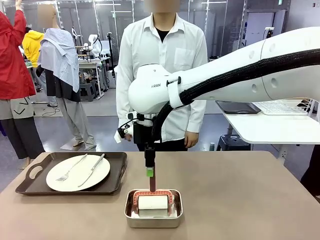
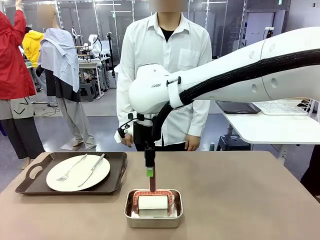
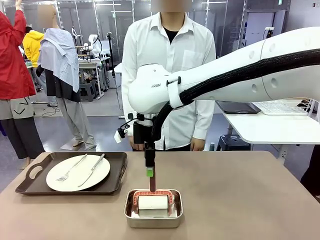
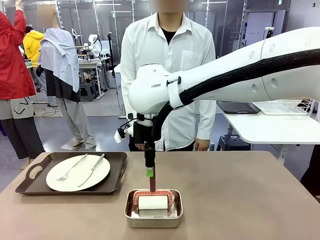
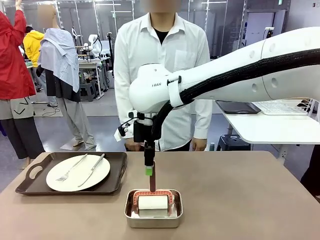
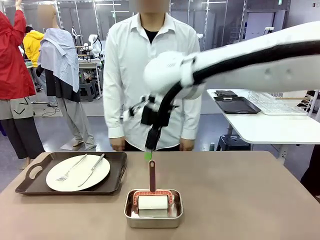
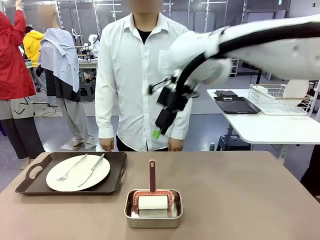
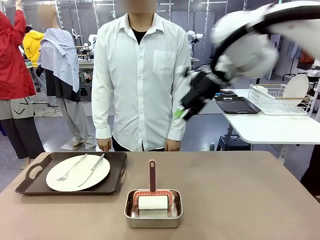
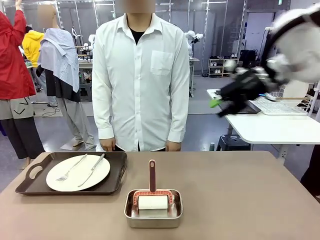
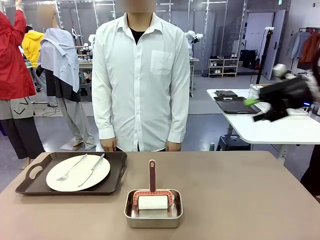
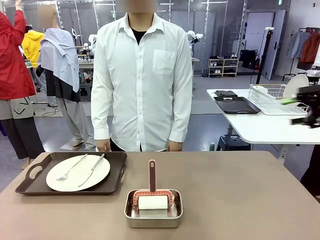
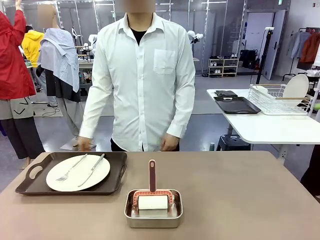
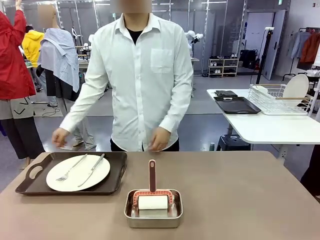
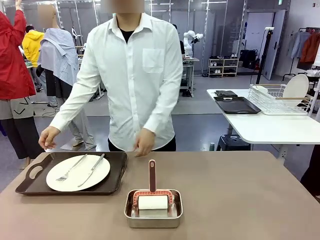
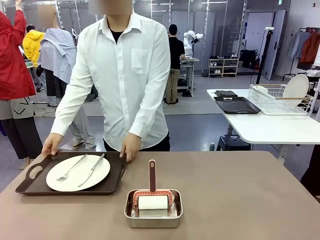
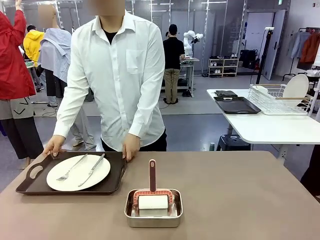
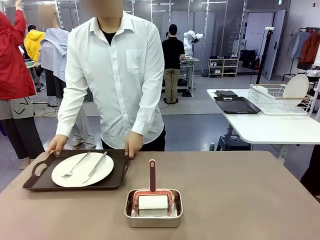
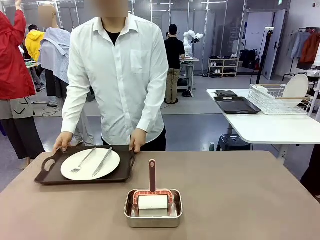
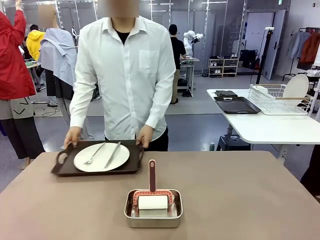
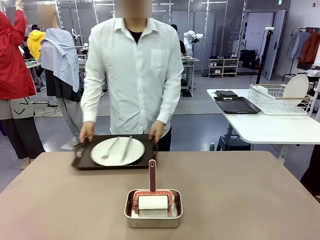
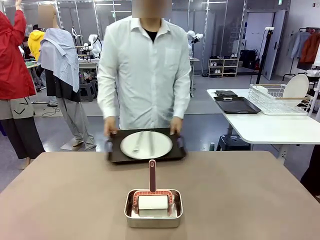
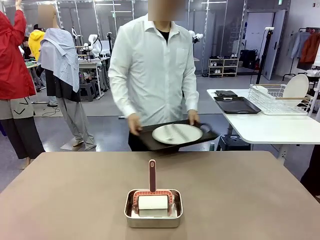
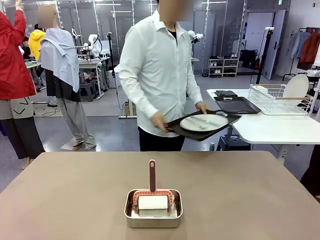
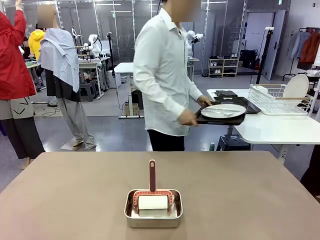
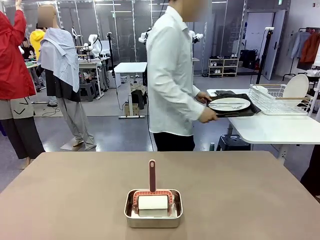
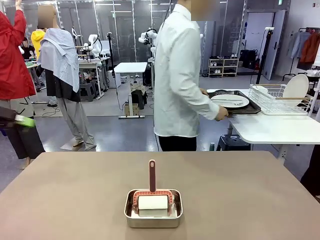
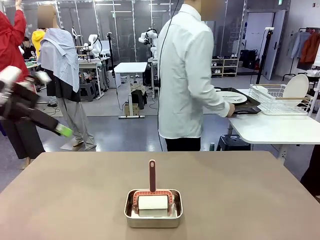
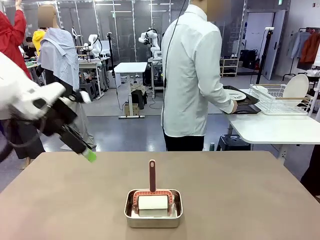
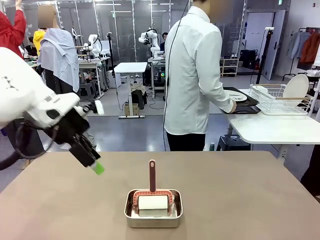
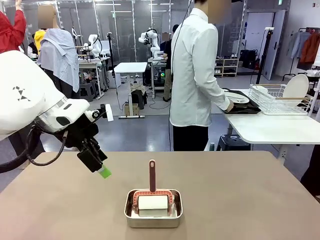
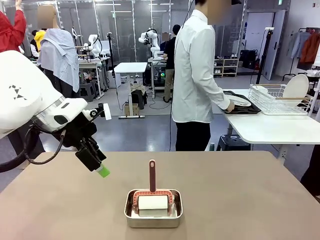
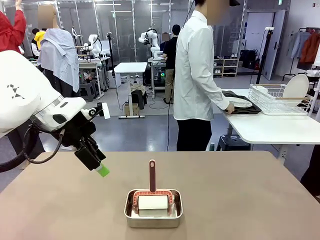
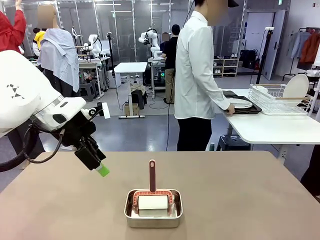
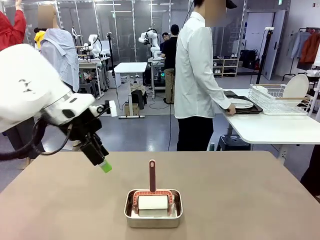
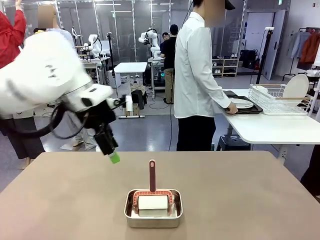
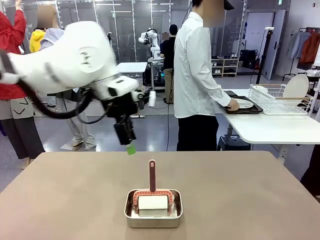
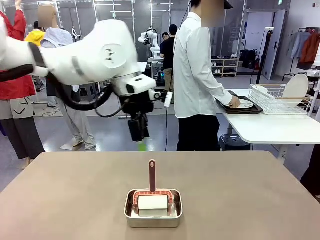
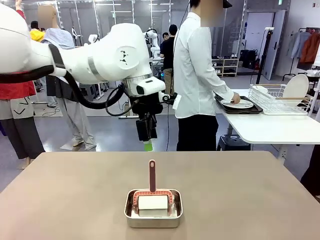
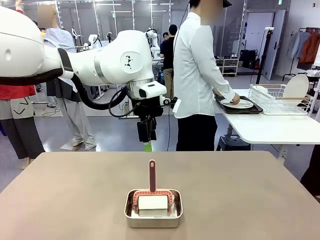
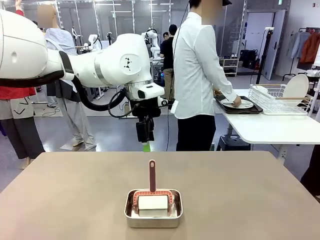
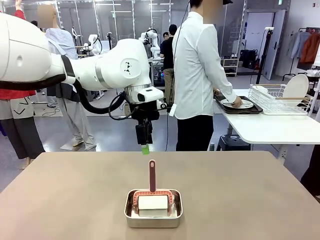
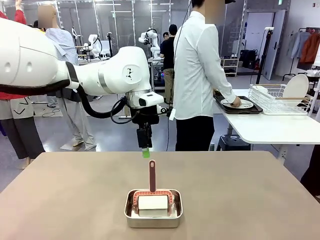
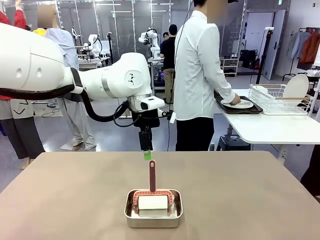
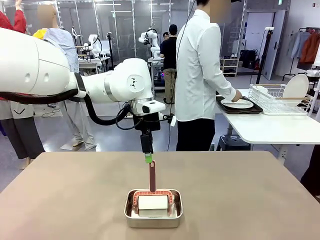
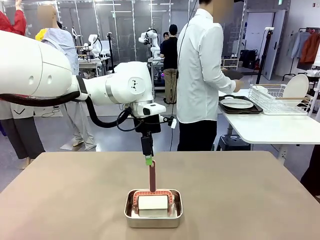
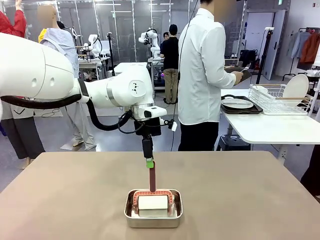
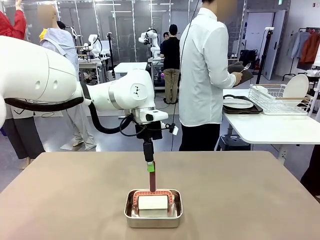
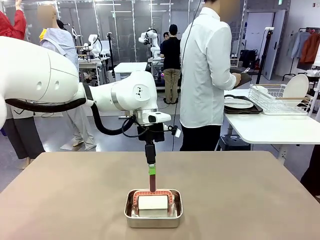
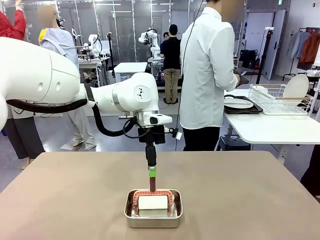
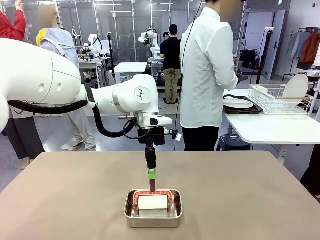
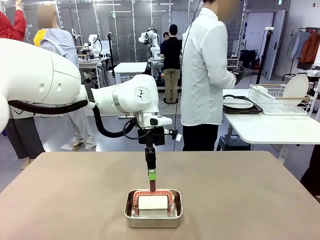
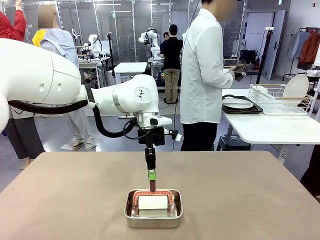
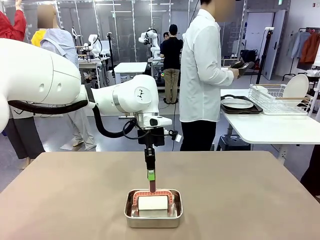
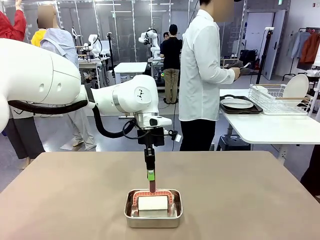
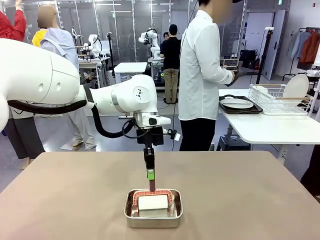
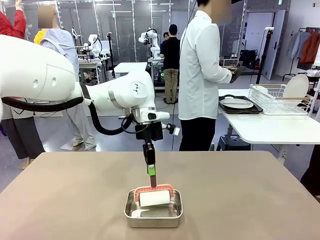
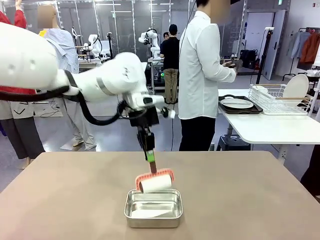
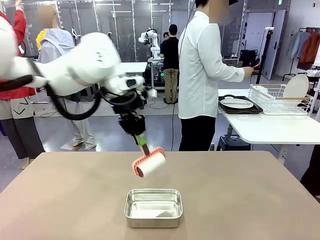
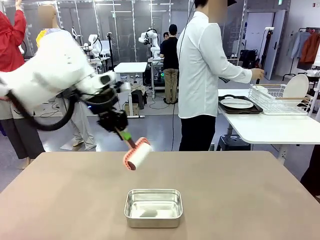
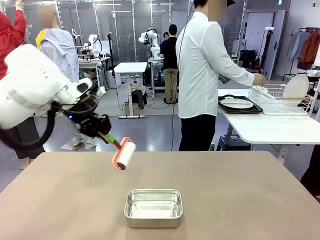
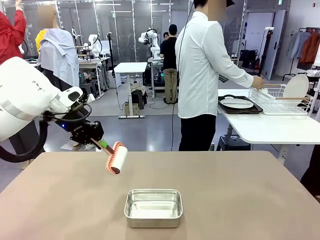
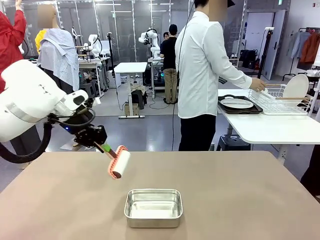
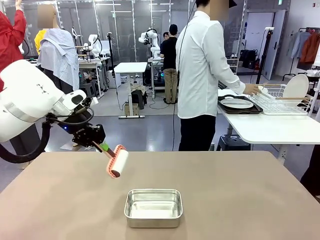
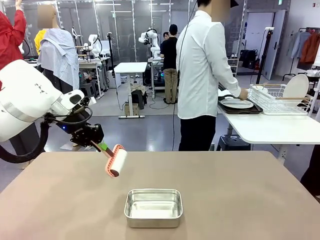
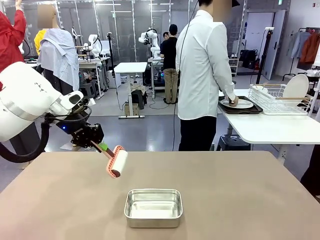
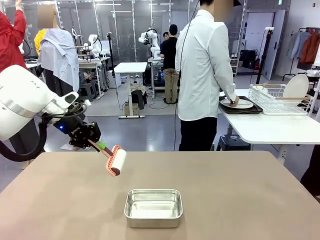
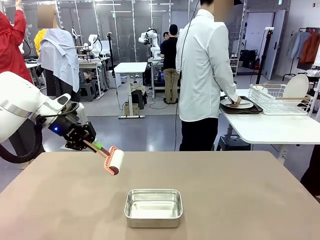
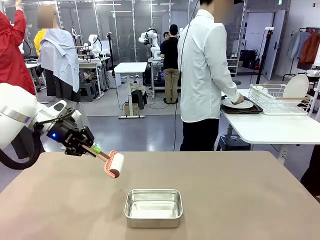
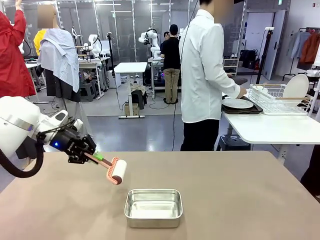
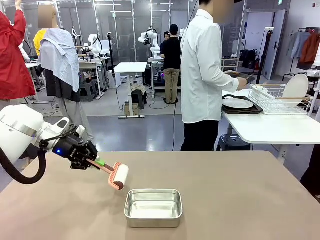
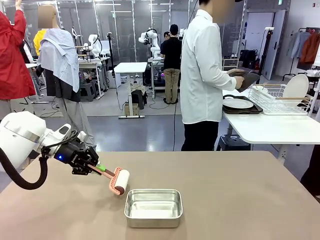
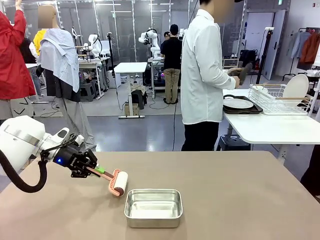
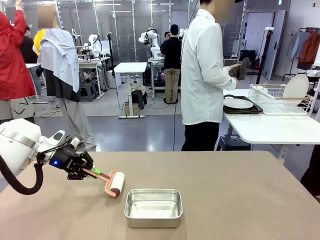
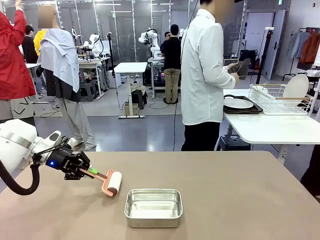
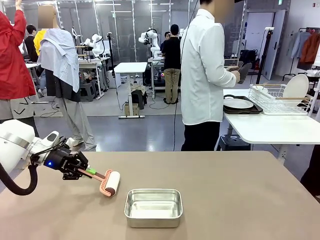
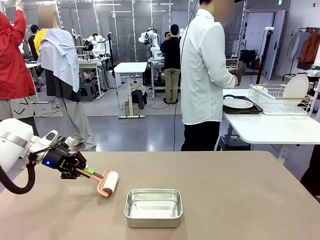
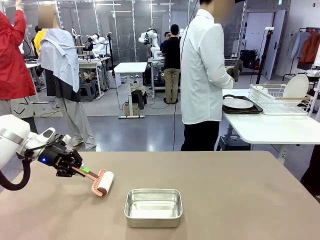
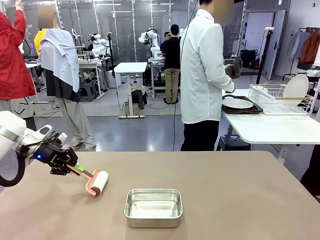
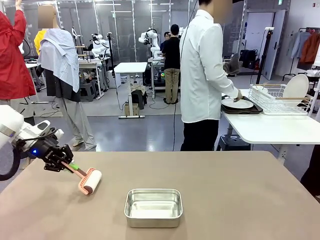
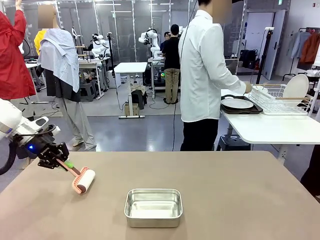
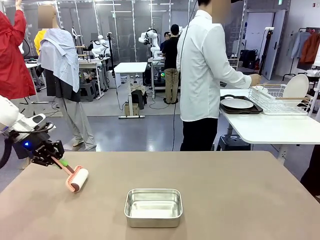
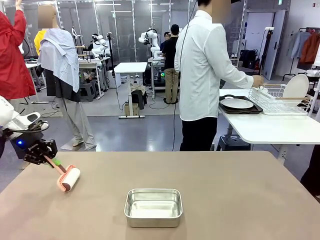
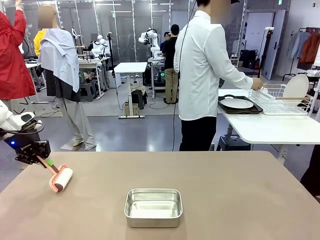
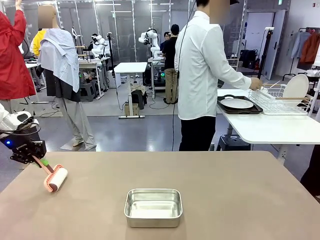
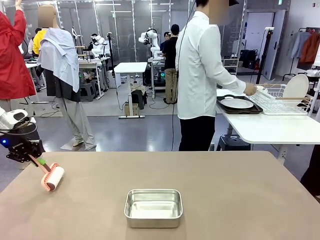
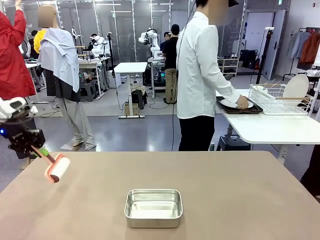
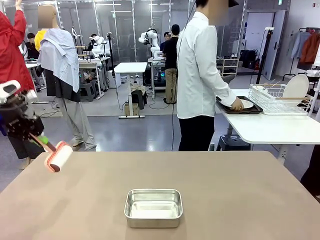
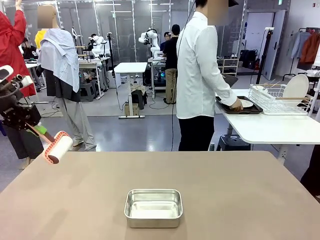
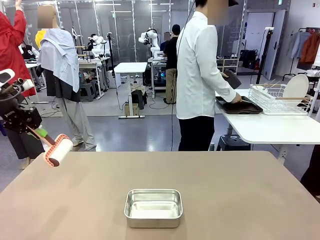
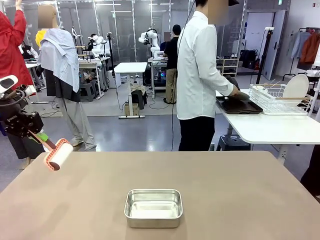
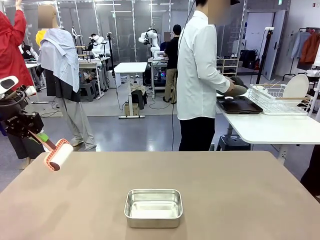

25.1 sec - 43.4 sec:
Robot: When the right (or left) Handle tray is removed, use the right hand (or left hand) to clean the right (or left) side of the table with the Lint Roller.
Person: Pick up the left (or right) Handle tray and place it on the Handle tray. Use the Towel with hook to wipe the Plastic Matte Plate , Fork , and Knife and place into the Dish drying rack.
